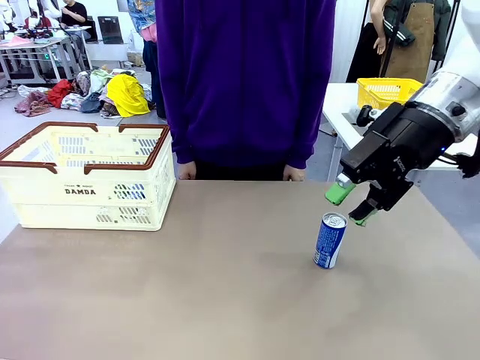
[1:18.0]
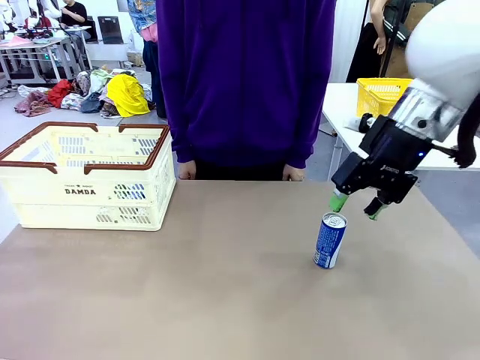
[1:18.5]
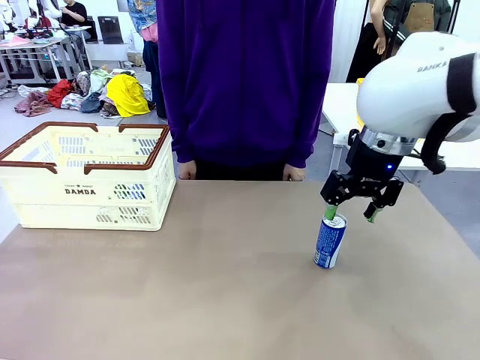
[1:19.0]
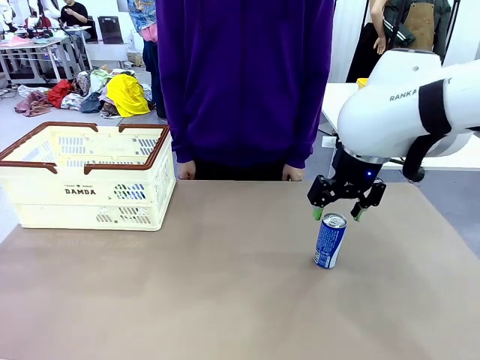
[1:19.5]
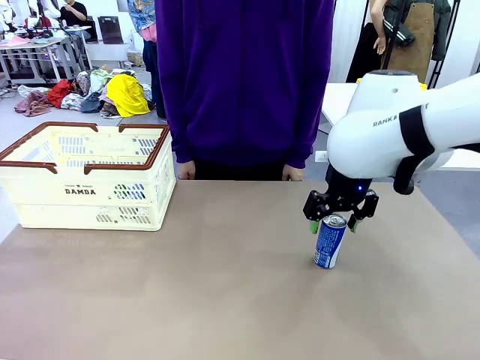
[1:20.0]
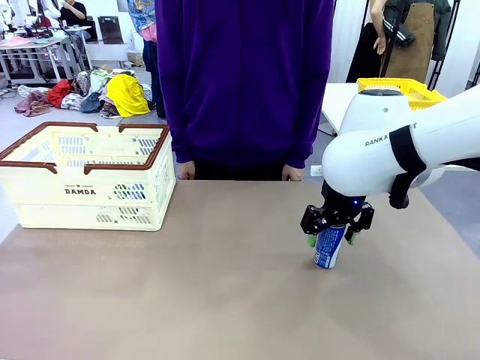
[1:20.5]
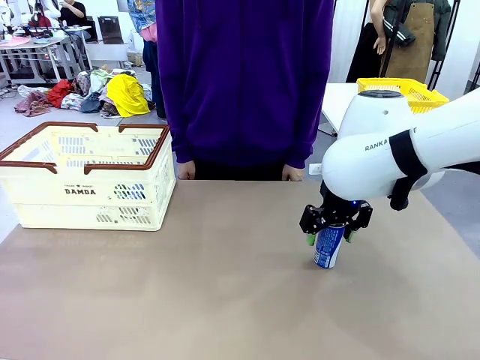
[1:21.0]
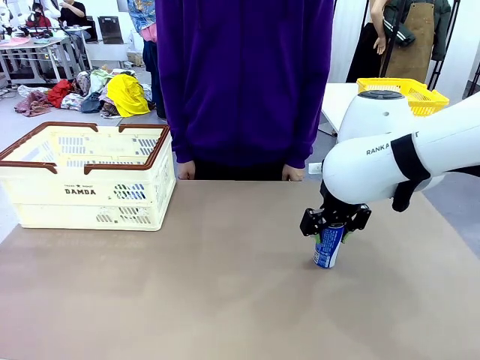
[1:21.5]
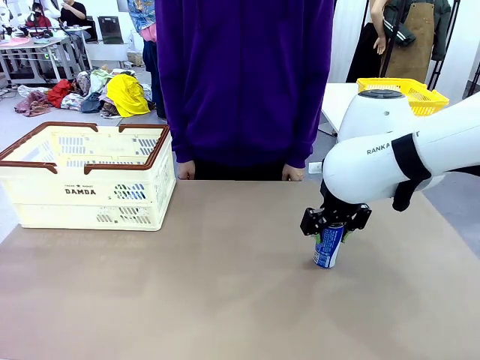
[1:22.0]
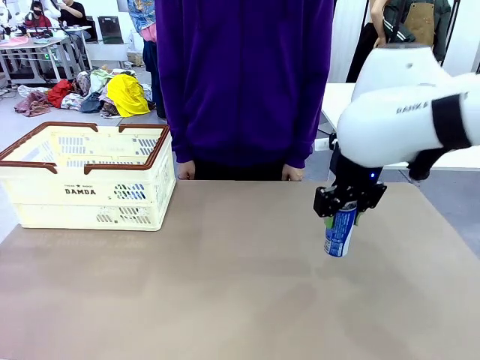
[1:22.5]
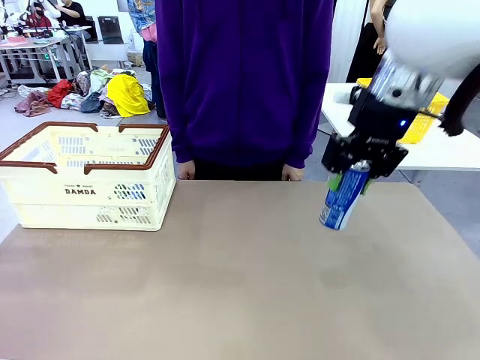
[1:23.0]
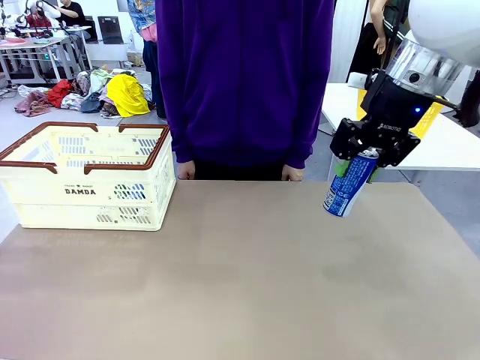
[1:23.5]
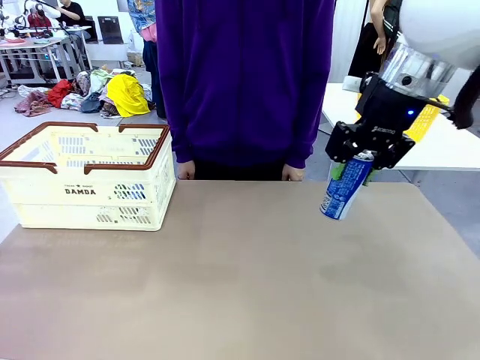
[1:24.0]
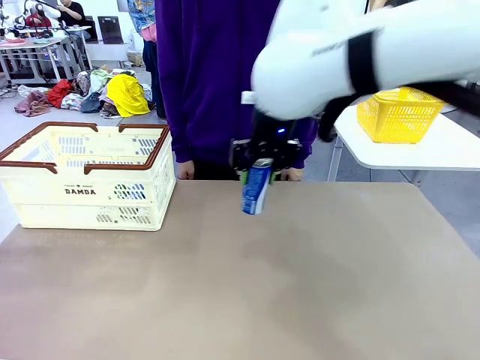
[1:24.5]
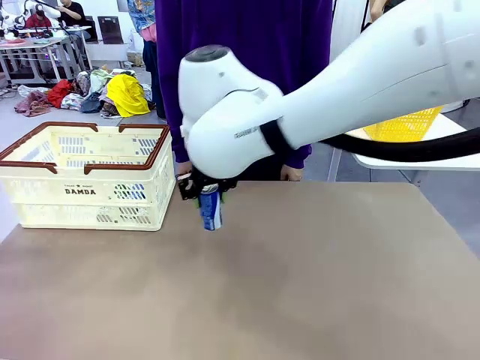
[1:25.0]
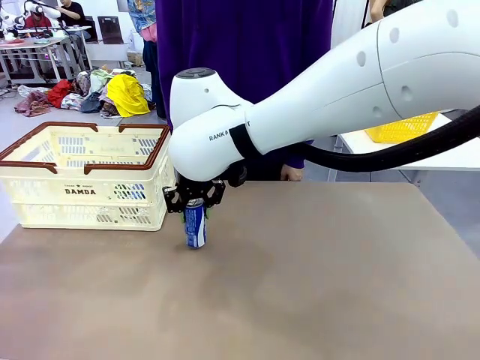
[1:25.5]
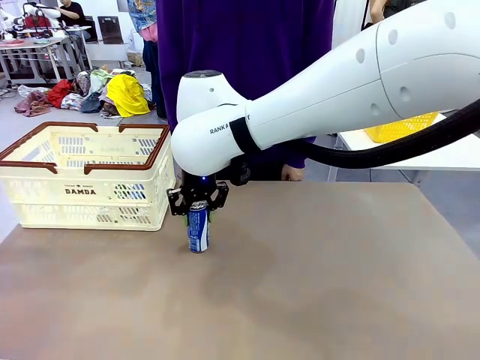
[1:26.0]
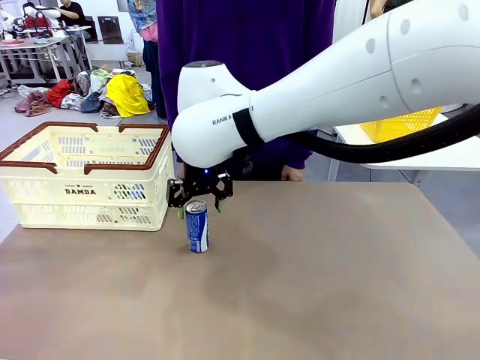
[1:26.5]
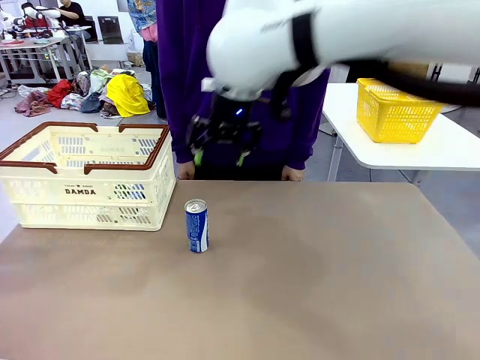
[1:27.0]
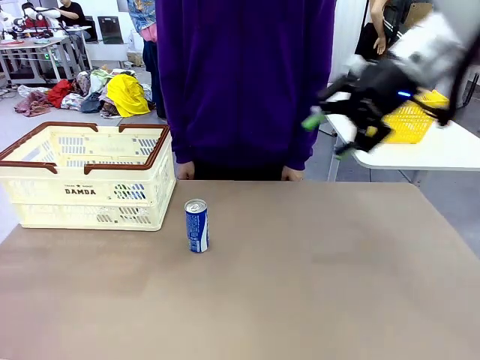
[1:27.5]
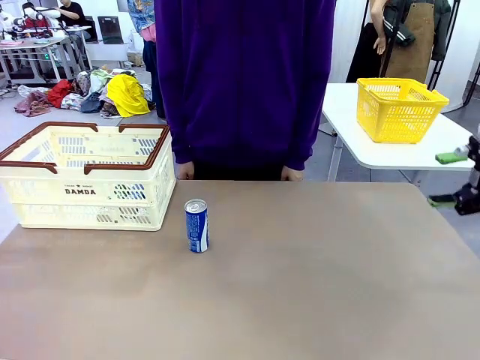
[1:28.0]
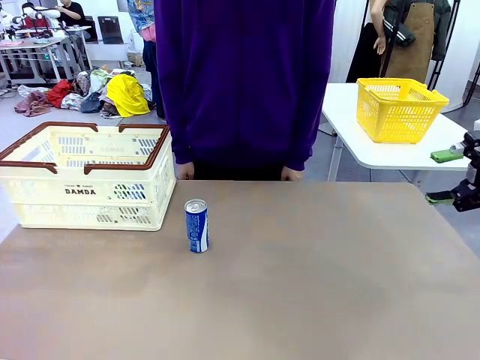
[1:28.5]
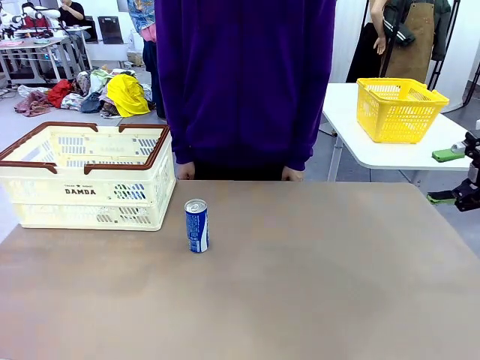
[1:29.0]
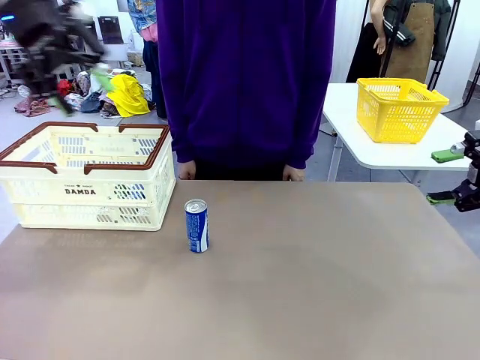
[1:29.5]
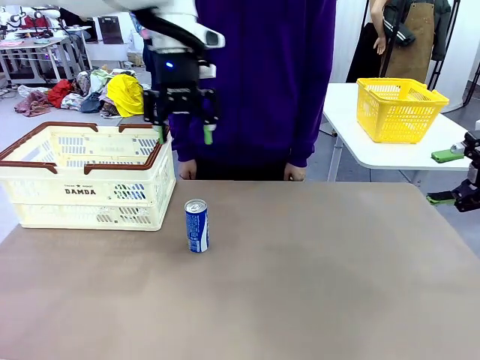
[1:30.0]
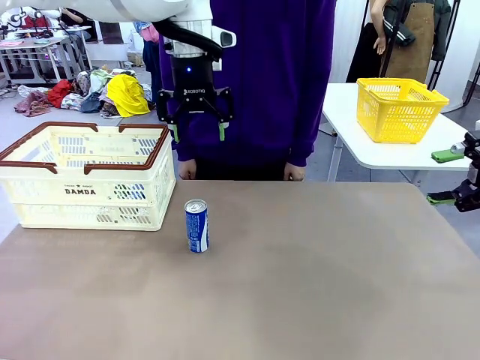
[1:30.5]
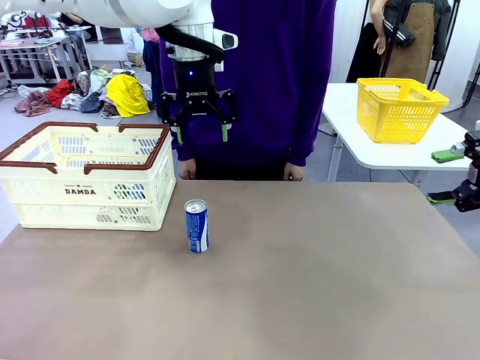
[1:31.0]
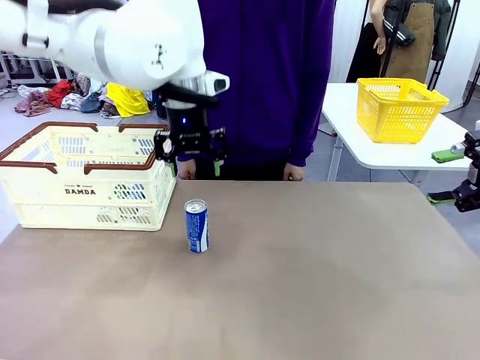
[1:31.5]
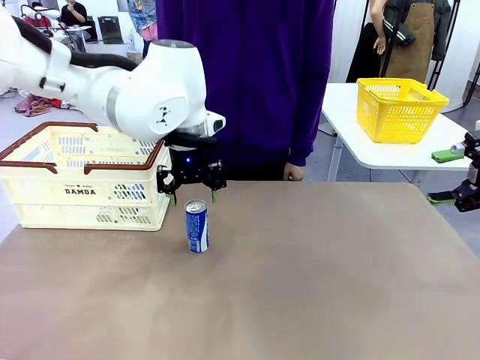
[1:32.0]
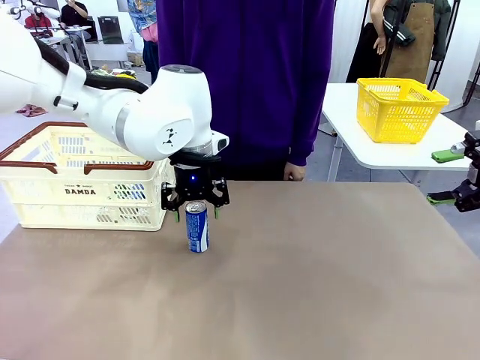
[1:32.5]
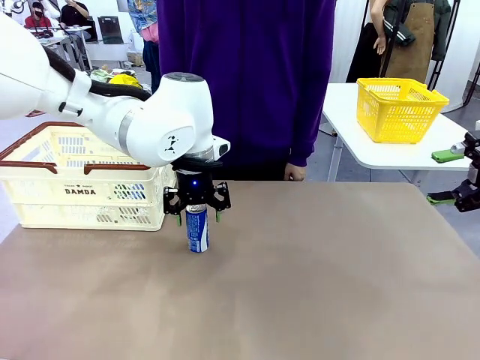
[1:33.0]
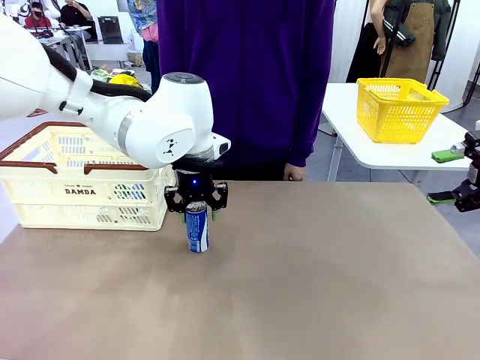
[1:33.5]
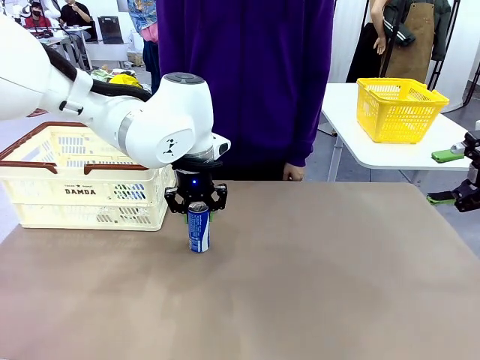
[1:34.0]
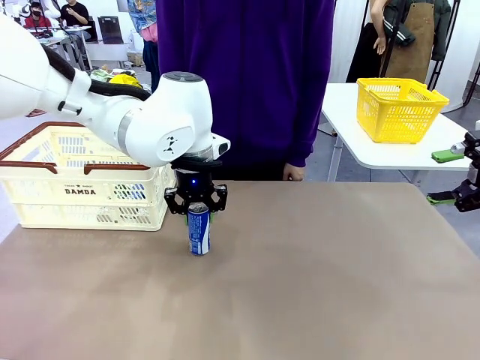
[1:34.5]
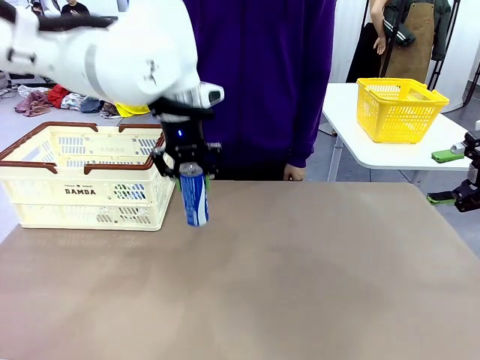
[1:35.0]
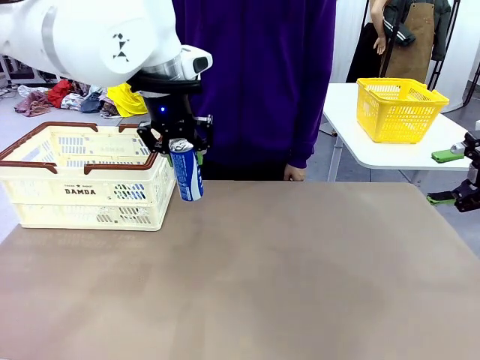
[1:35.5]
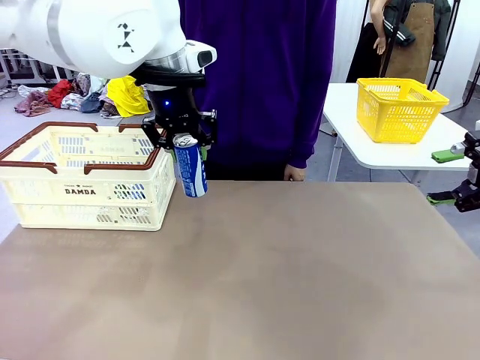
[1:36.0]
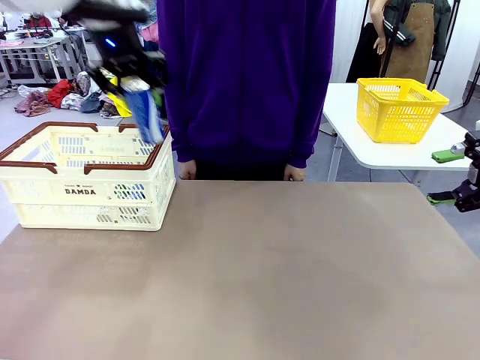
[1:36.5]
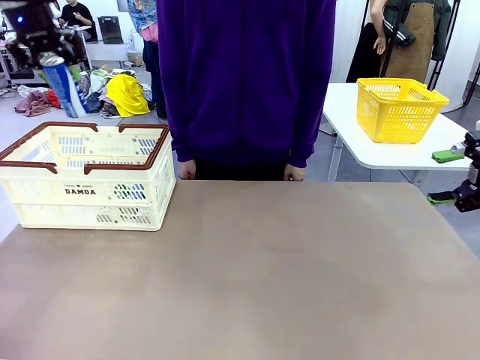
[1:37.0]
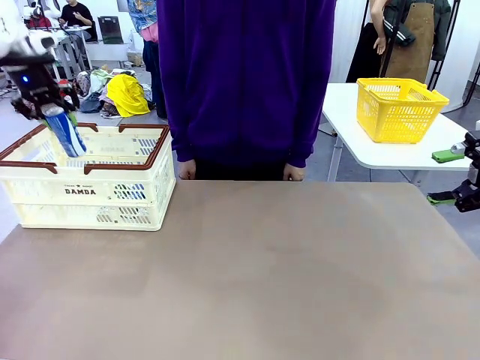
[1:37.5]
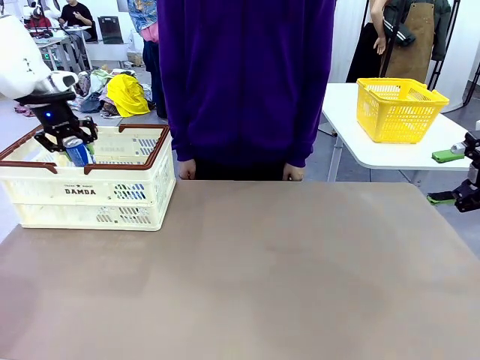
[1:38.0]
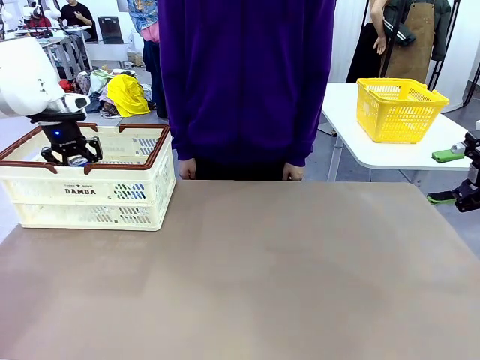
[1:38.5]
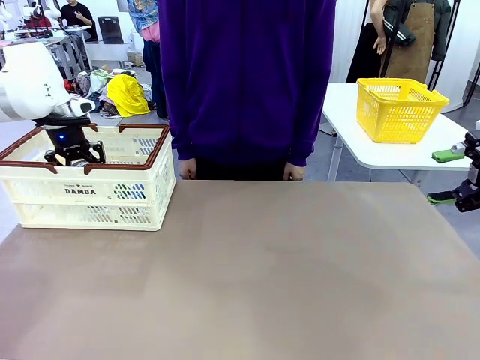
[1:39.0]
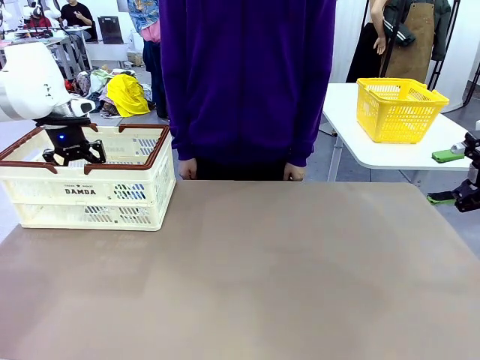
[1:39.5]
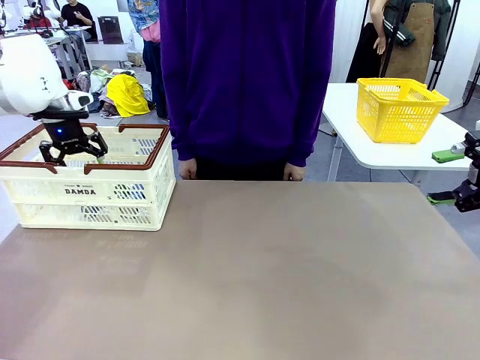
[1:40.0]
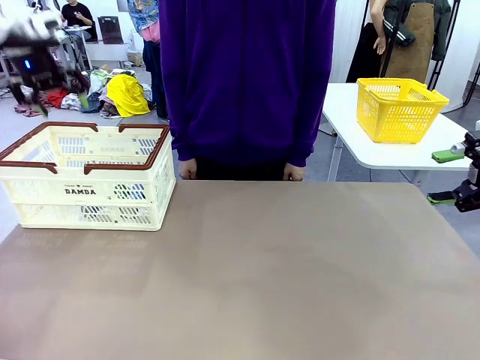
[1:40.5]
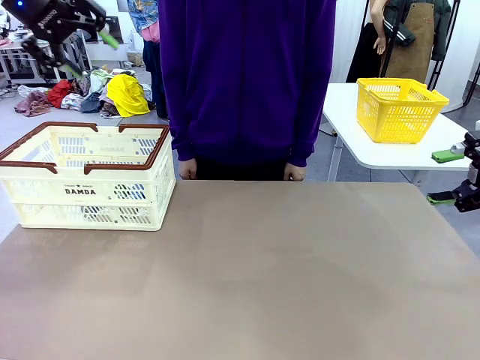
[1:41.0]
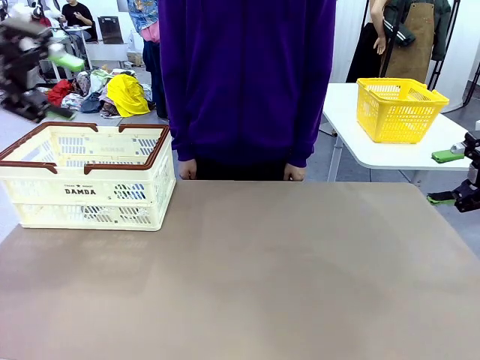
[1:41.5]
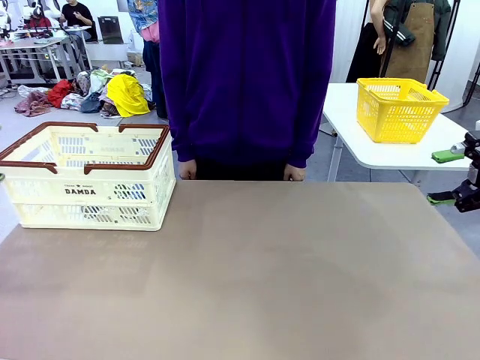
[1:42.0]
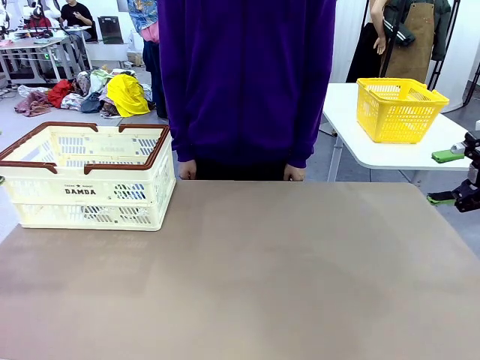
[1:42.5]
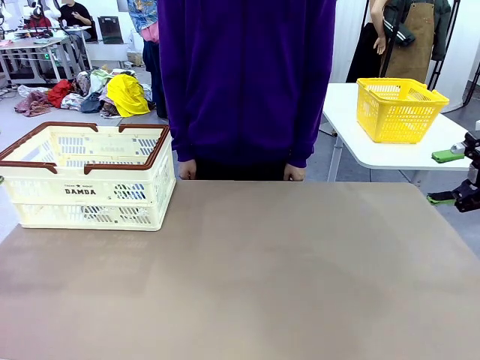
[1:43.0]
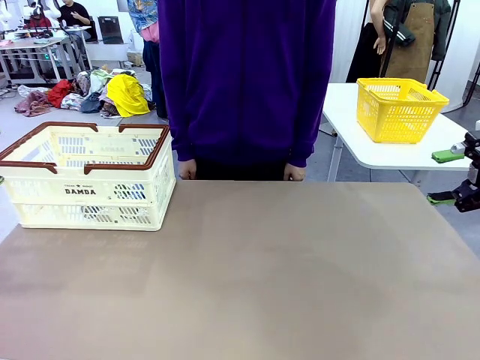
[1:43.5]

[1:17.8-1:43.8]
Task: Place the drinks into the Shopping basket.
Robot: Pick up one drink and place it into the Shopping basket.
